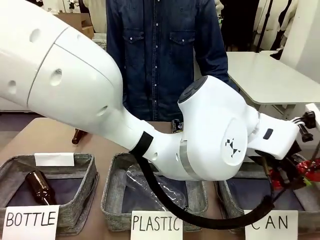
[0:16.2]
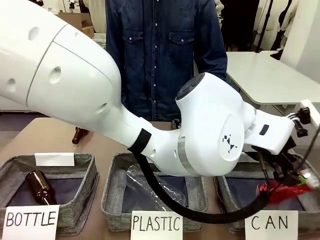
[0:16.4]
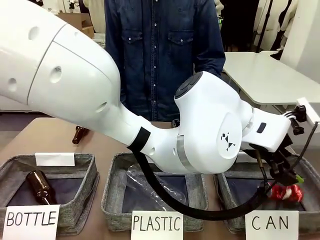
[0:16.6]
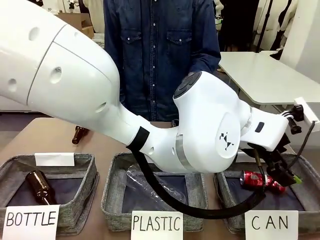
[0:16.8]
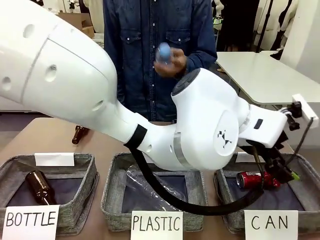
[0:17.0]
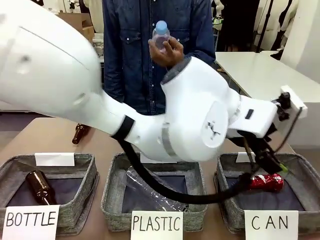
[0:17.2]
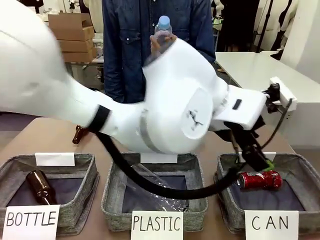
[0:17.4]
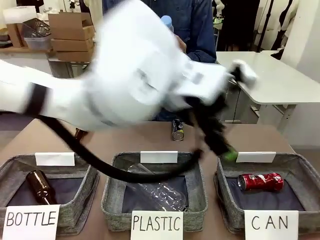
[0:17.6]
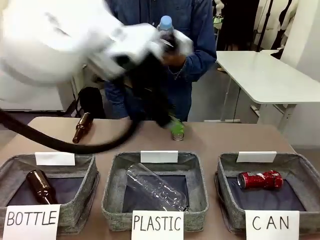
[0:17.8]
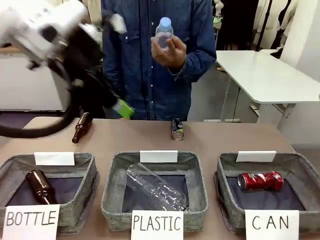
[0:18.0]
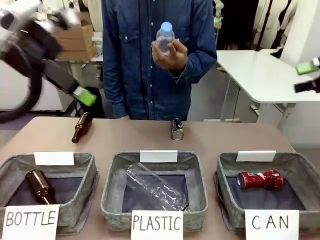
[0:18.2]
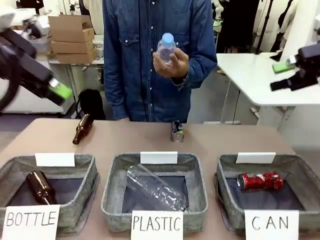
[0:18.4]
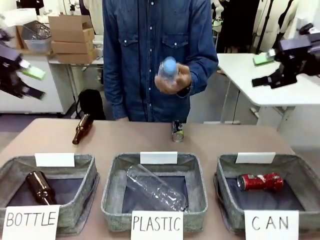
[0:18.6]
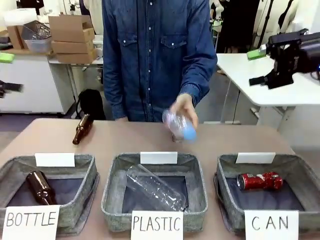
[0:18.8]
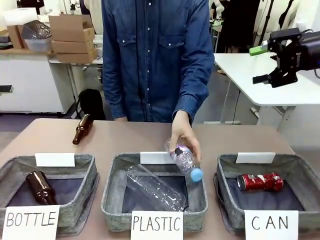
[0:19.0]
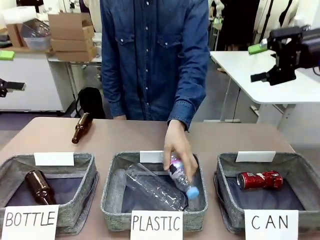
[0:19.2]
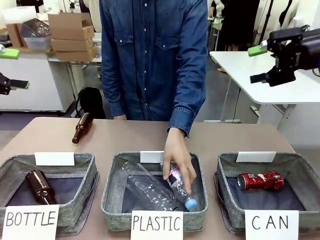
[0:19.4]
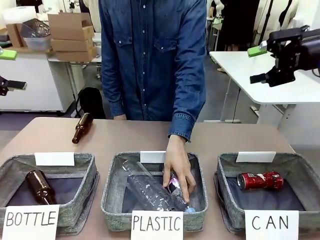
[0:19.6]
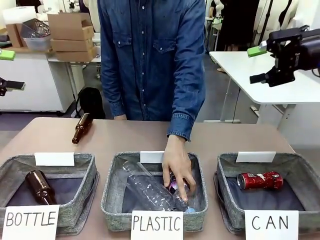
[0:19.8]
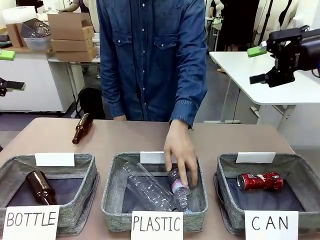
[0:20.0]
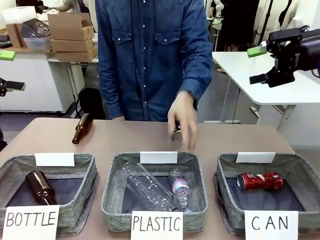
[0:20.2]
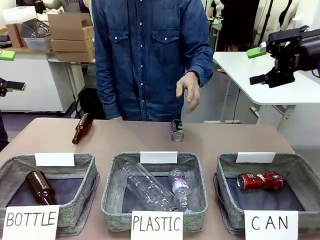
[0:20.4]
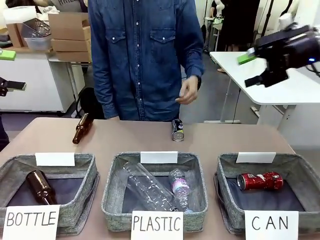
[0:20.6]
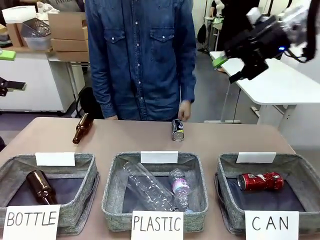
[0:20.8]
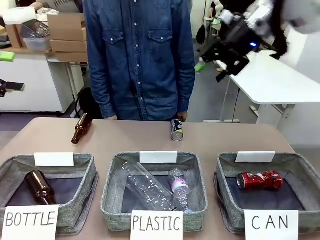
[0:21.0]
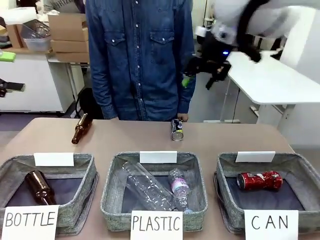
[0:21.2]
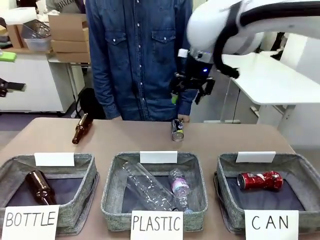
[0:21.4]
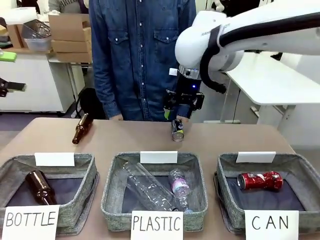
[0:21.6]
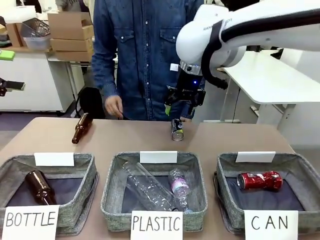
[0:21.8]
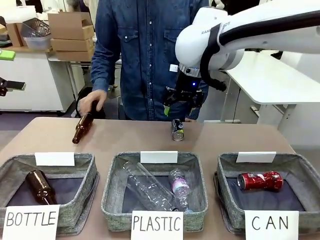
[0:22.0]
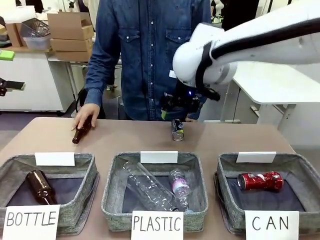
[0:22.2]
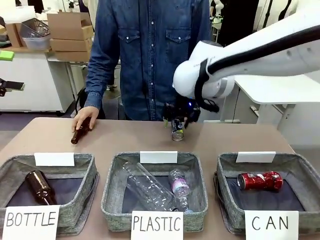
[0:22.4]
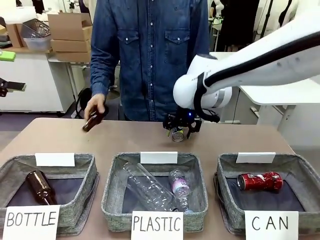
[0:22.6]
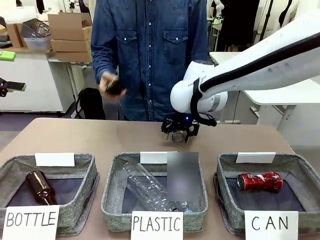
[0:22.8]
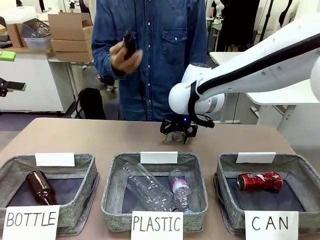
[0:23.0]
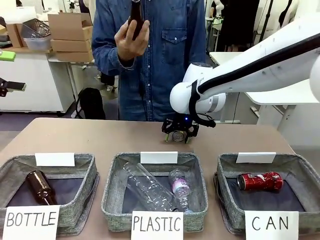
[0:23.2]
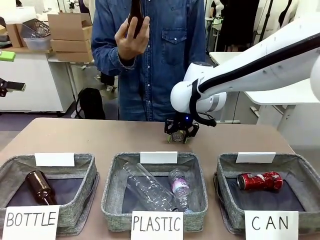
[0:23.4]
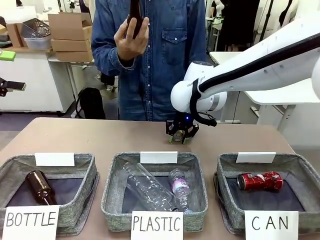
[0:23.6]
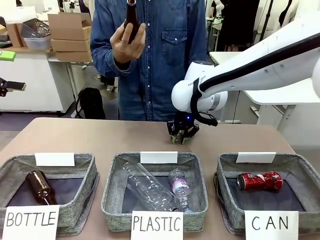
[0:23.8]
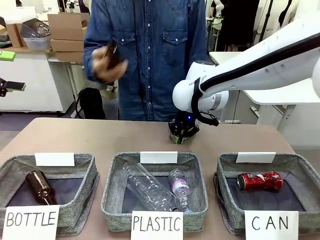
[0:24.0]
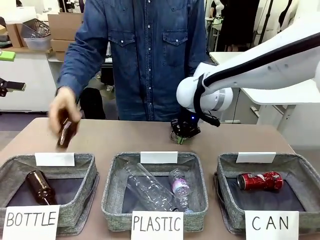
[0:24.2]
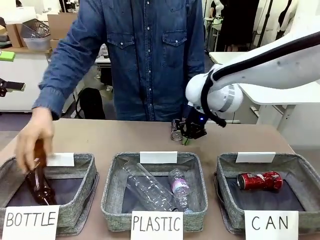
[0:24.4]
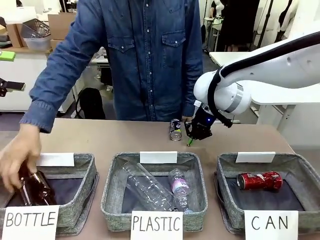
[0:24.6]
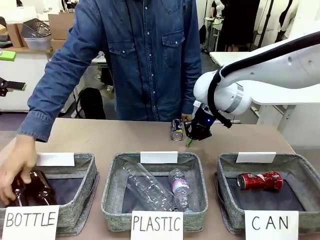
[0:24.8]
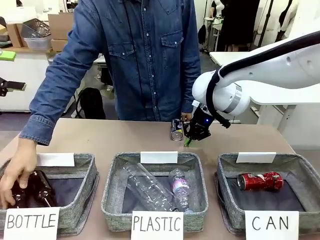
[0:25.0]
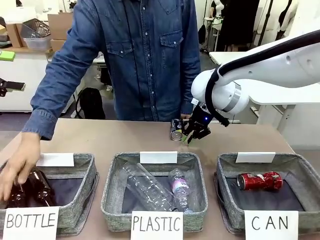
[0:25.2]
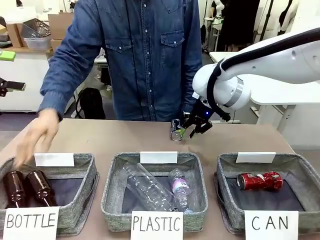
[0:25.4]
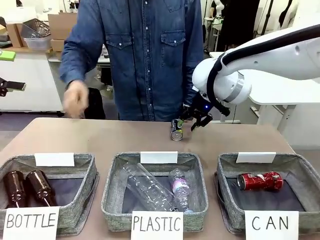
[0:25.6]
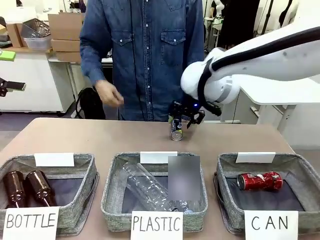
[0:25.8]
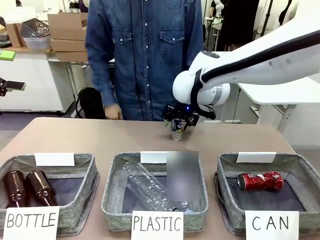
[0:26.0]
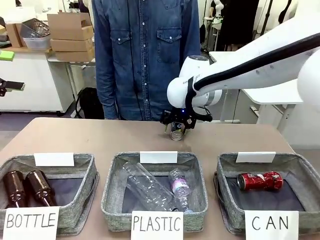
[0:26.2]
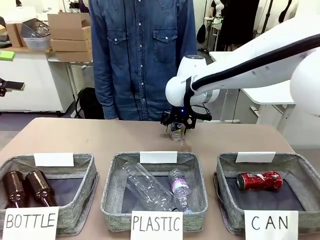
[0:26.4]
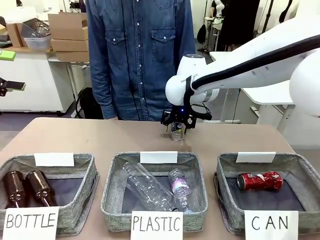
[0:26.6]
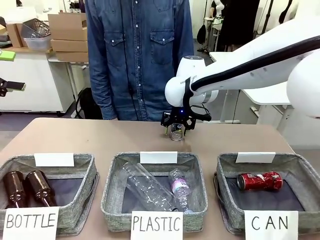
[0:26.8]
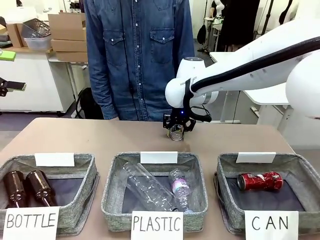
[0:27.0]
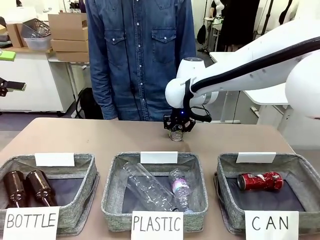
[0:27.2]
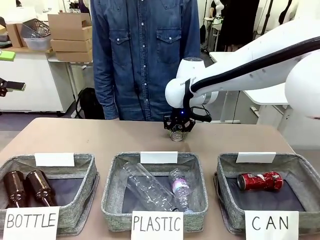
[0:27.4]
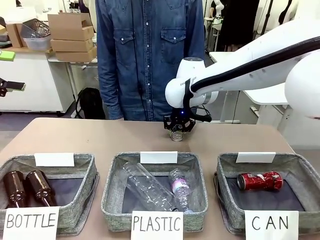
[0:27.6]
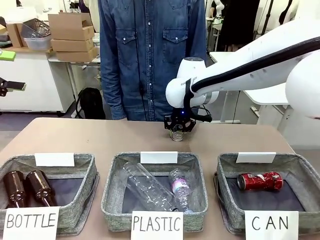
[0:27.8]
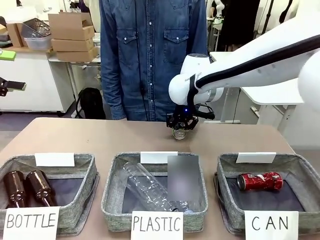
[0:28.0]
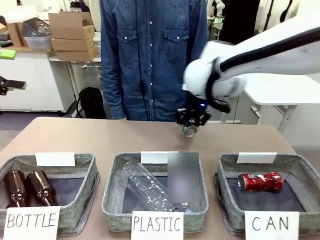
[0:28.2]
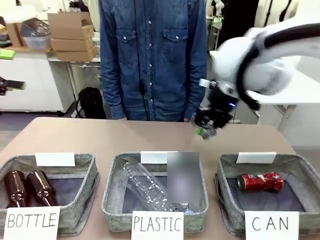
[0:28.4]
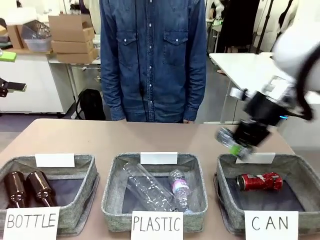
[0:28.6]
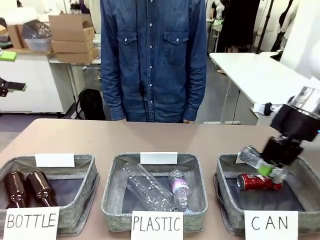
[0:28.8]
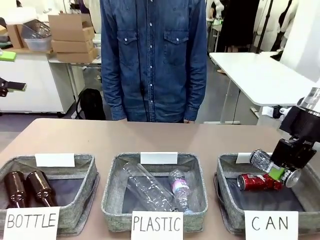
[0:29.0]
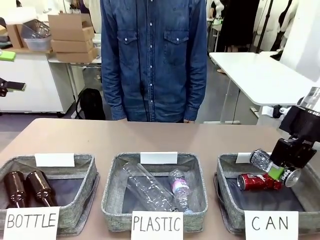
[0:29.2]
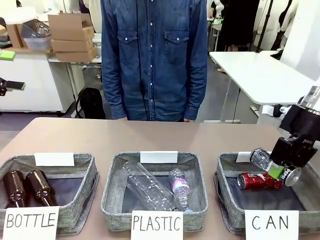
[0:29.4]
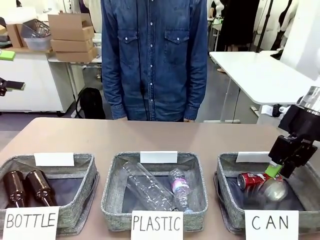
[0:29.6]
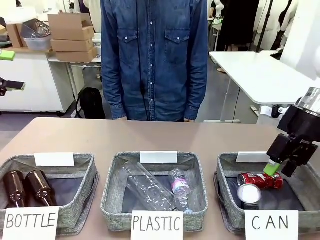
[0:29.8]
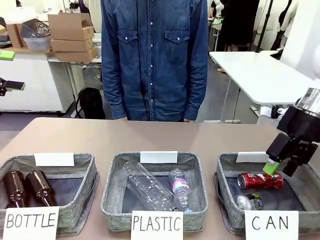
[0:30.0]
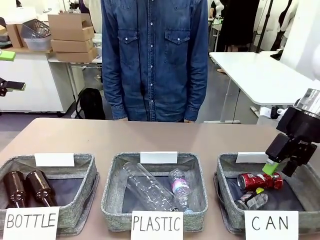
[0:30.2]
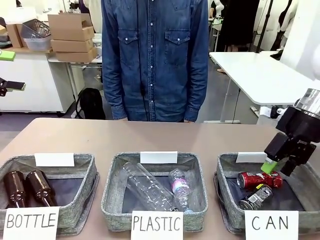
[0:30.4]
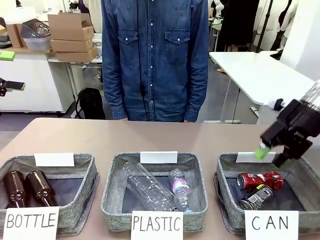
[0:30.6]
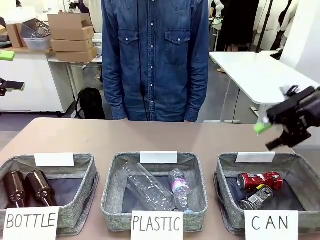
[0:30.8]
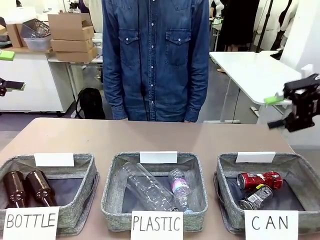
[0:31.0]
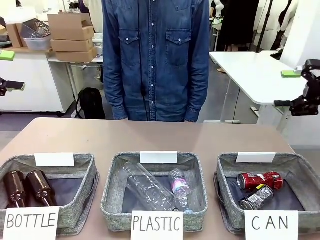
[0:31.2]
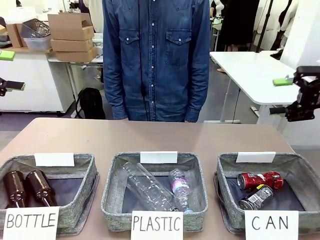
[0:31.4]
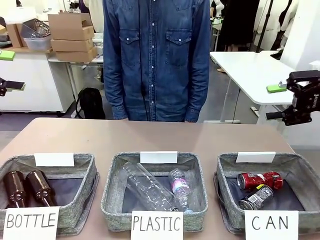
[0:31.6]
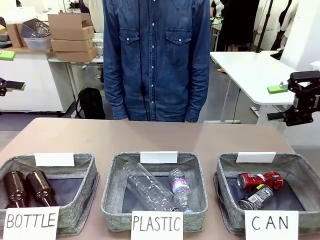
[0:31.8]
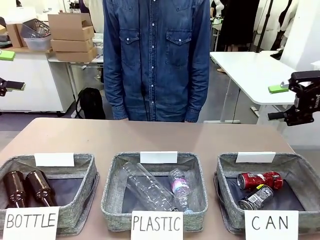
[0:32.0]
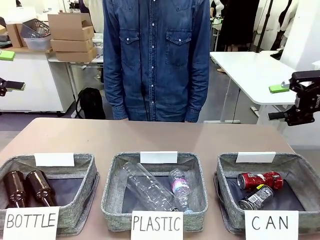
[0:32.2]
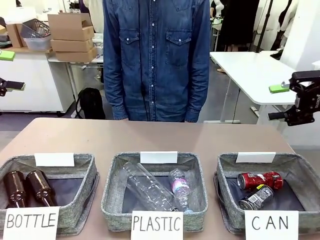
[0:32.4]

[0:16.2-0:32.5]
Task: Sort the can waste into the basket.
Robot: Pick up the can waste from the table and place it in the right Fabric basket.
Person: The human picks up one piece of trash that is not a can and places the trash into the appropriate organizing basket.
